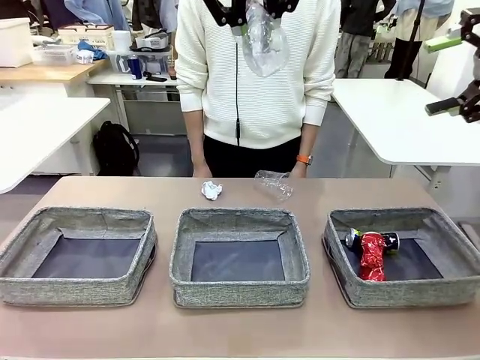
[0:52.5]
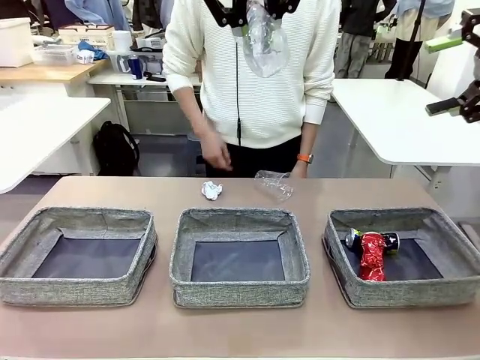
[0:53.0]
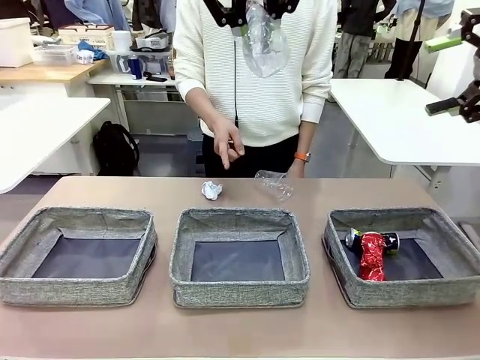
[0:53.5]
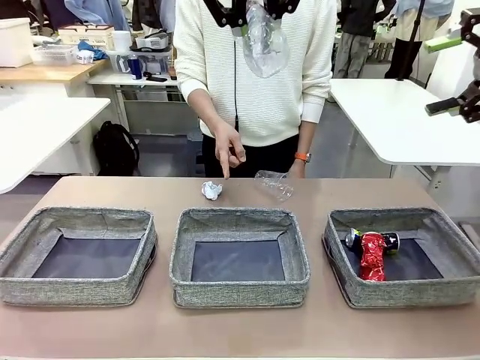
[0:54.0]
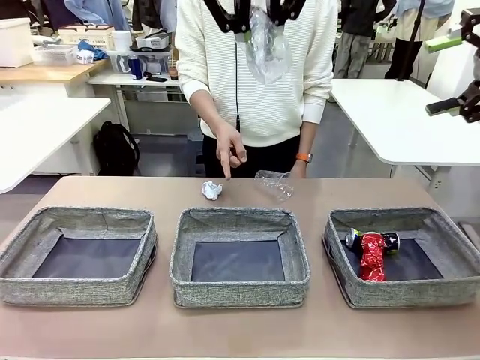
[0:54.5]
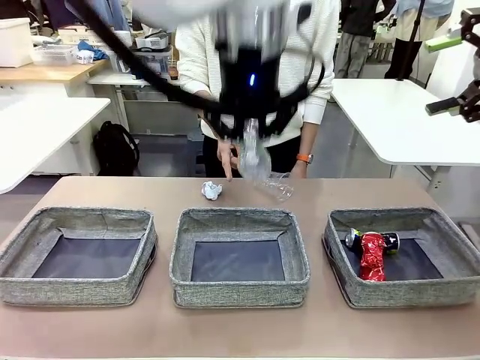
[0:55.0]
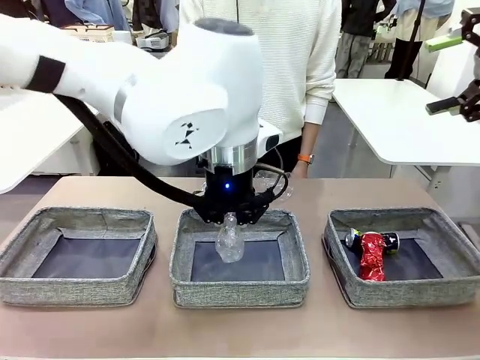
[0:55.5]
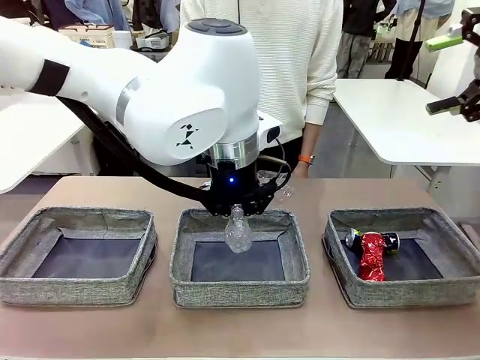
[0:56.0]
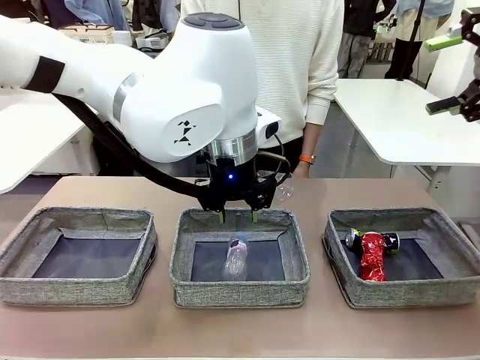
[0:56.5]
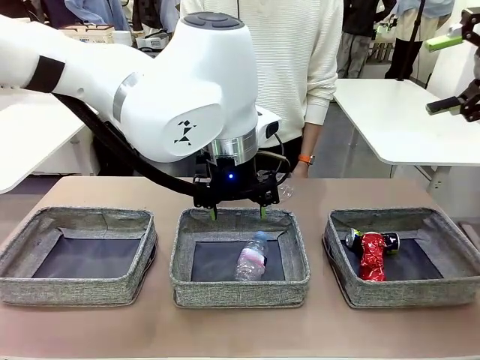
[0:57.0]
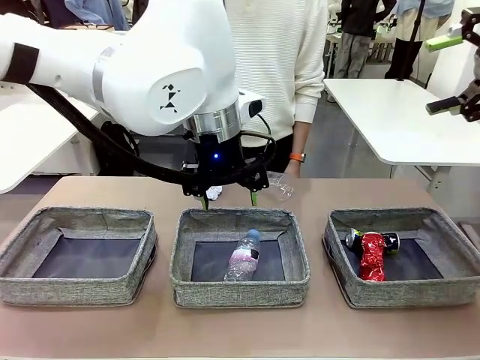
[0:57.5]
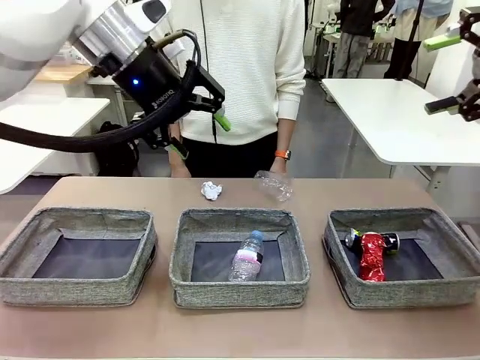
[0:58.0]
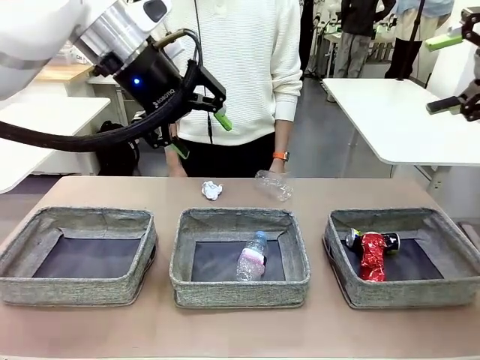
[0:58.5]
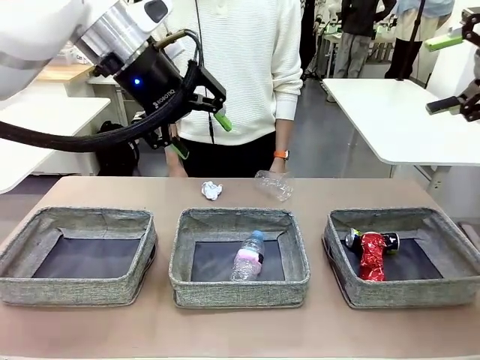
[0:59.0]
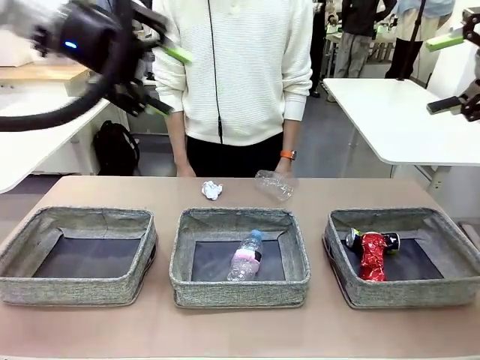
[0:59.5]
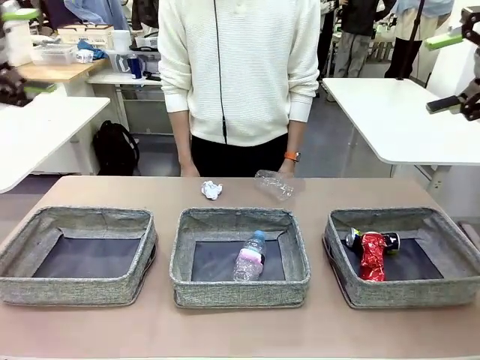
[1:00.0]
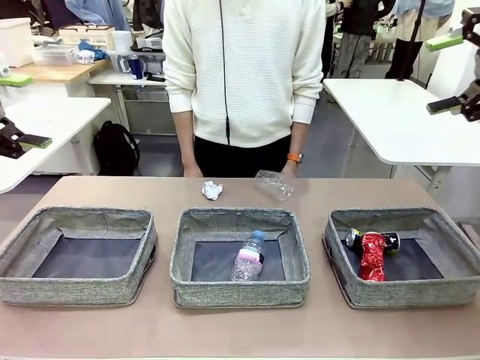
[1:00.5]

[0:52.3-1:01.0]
Task: Sort the waste into the appropriate baskets.
Robot: Place the picked waste into the Fabric basket indicated by the person.
Person: Instructs the robot to place the picked-up trash into the appropriate organizing basket.

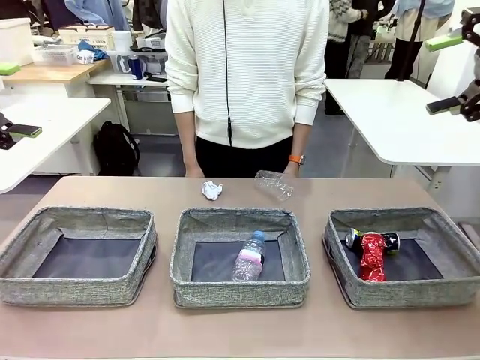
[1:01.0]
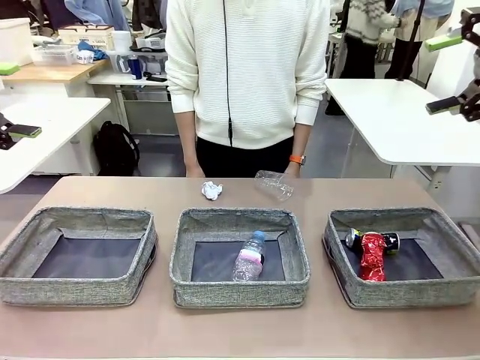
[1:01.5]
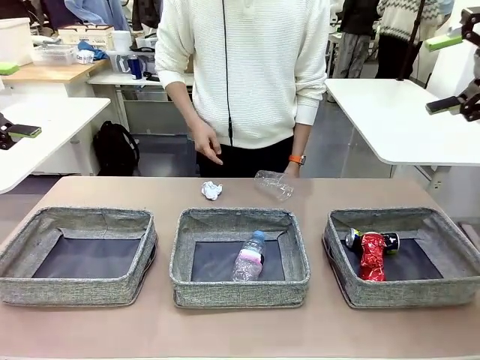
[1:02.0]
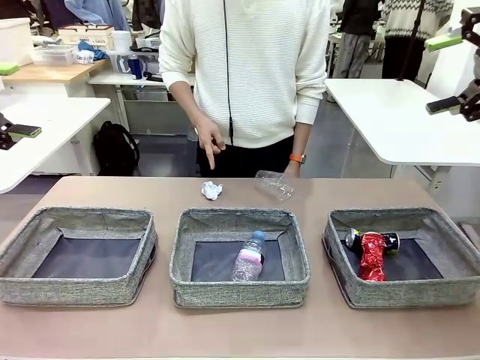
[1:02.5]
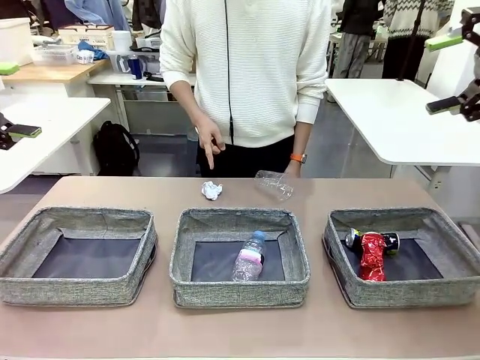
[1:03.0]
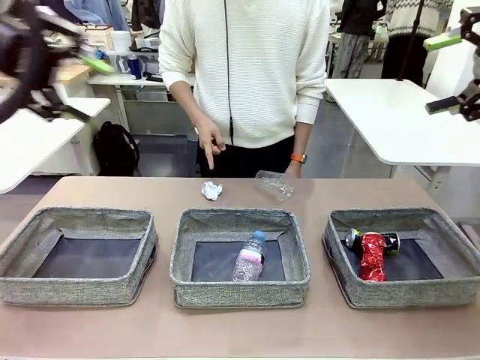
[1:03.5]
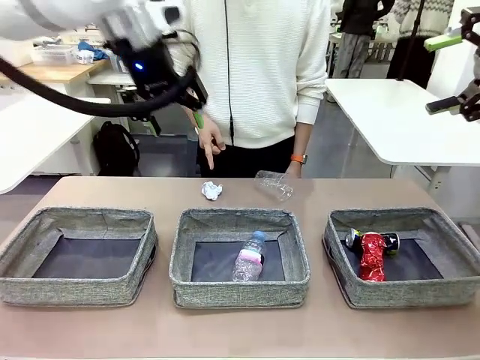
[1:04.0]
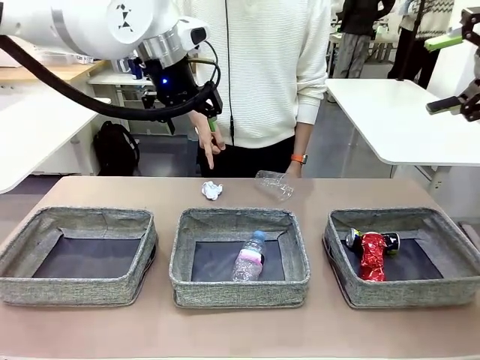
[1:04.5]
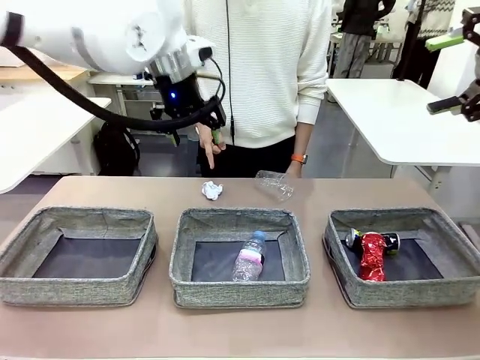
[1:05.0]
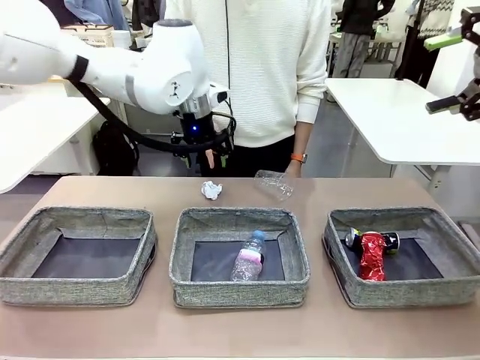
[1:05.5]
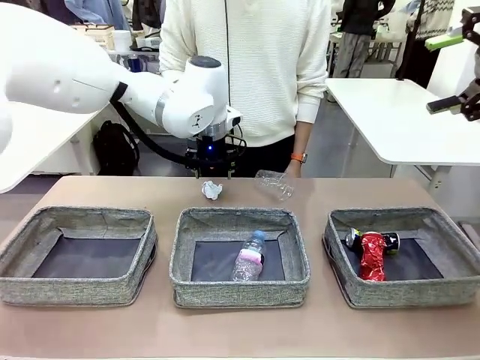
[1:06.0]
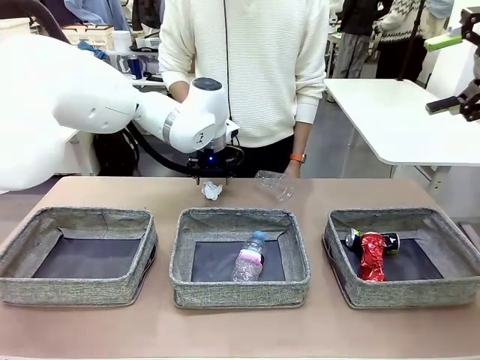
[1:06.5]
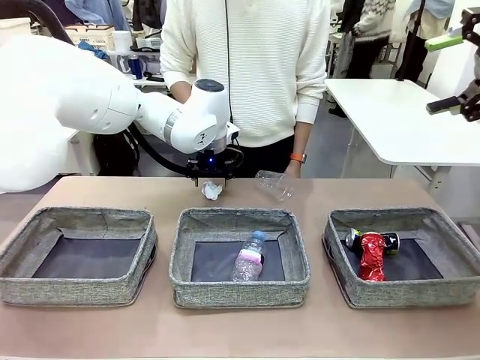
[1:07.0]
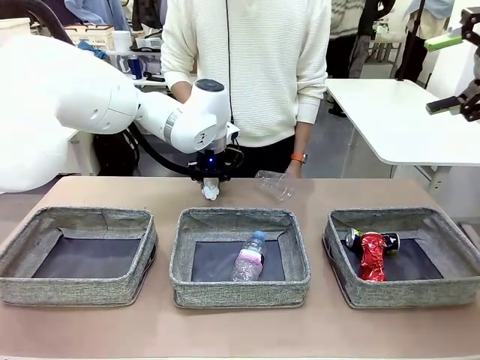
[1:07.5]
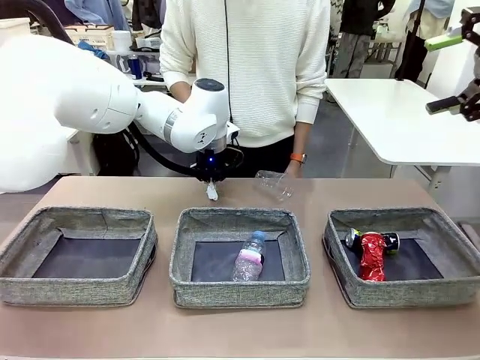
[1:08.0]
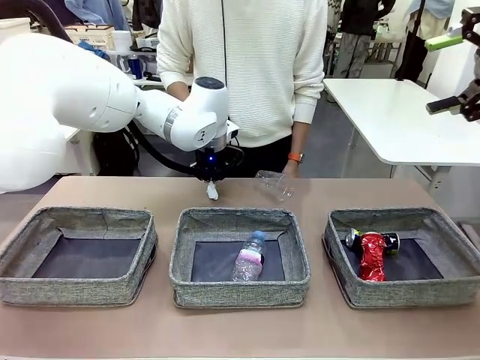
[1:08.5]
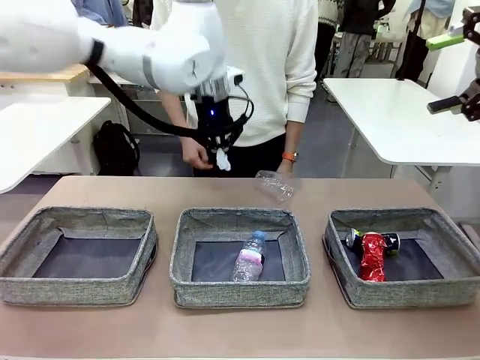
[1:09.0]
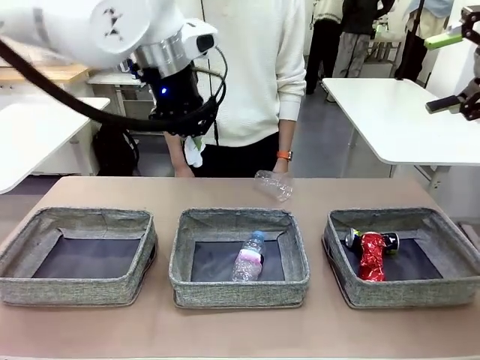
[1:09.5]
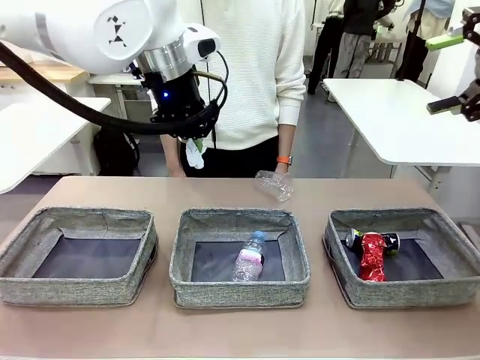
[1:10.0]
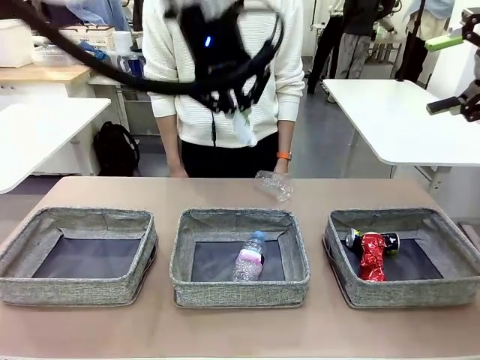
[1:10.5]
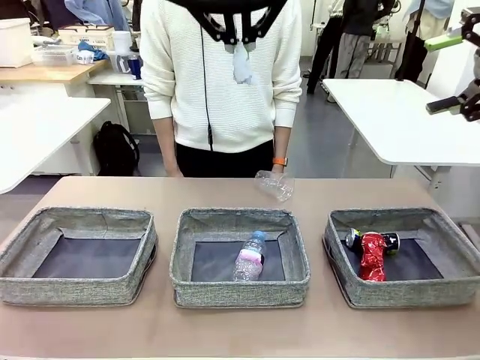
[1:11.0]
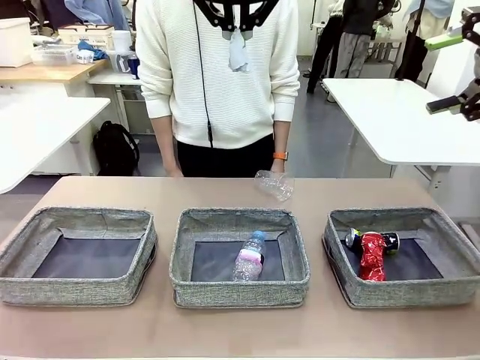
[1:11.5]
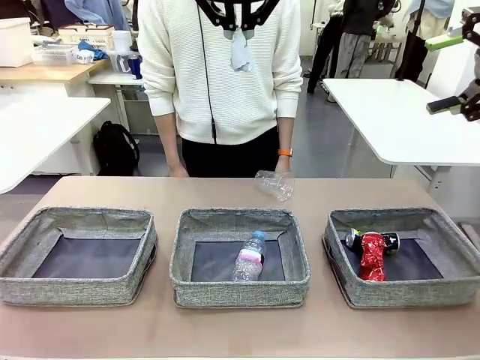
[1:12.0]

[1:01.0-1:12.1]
Robot: Pick up the waste item pointed out by the person.
Person: Points to one piece of trash on the table.

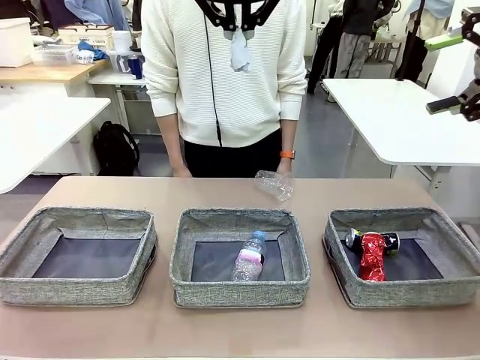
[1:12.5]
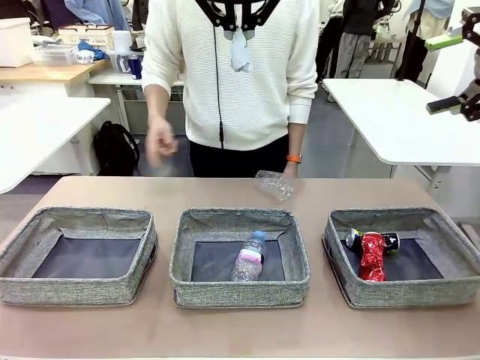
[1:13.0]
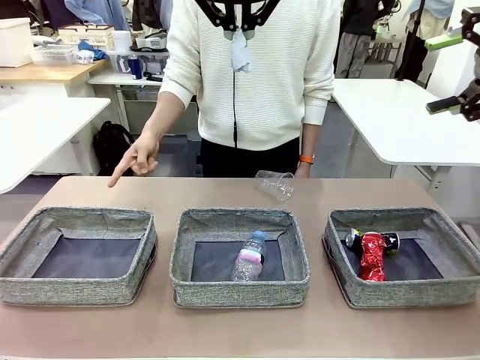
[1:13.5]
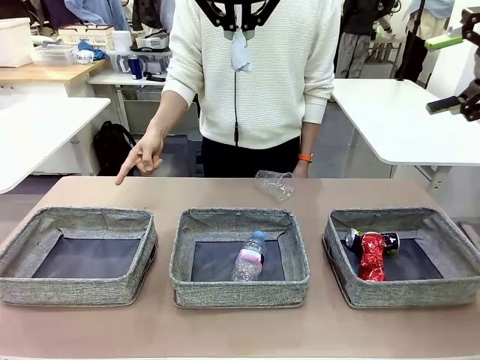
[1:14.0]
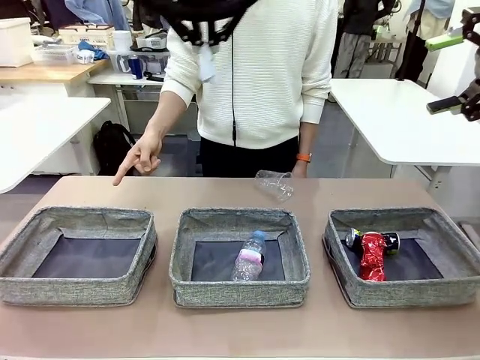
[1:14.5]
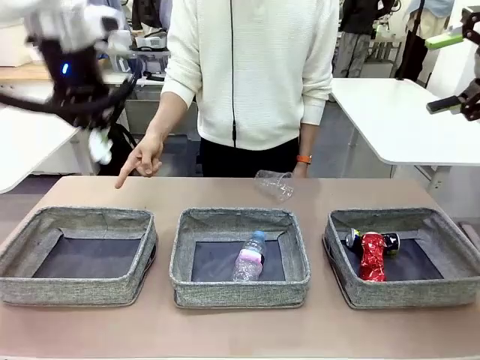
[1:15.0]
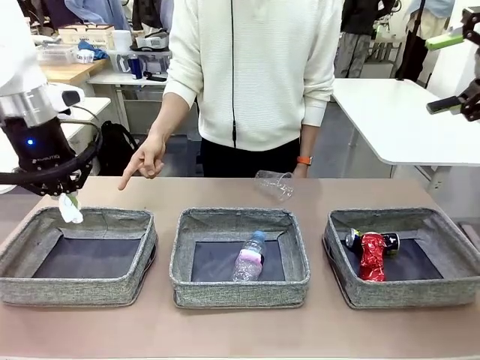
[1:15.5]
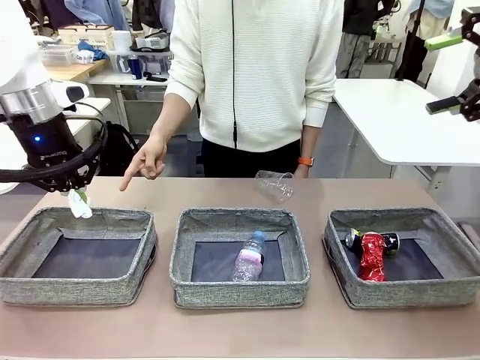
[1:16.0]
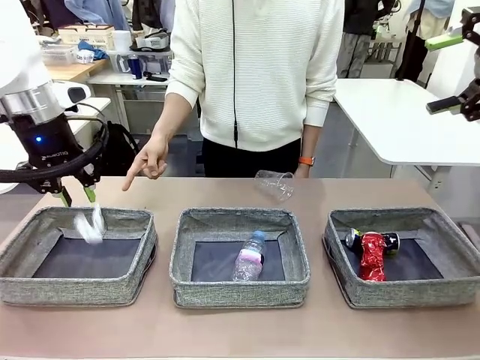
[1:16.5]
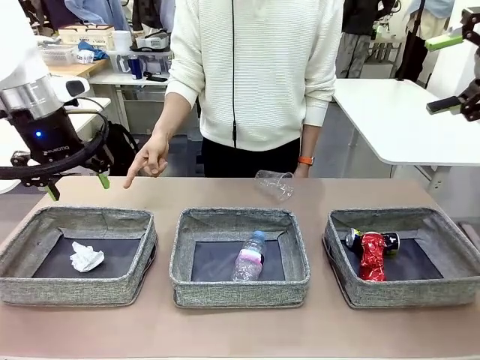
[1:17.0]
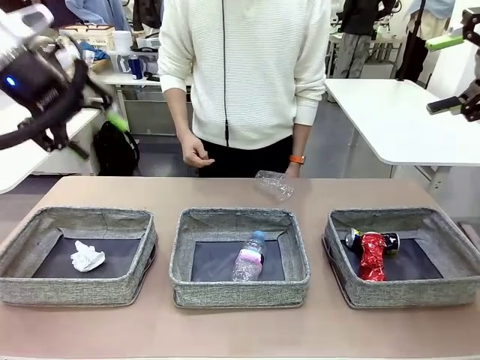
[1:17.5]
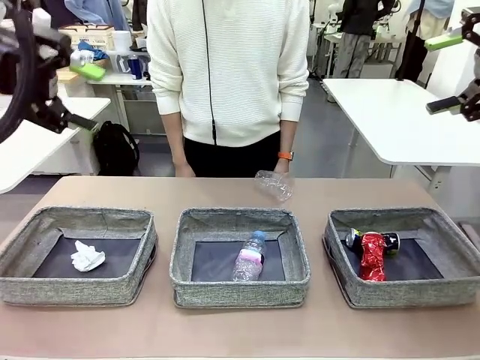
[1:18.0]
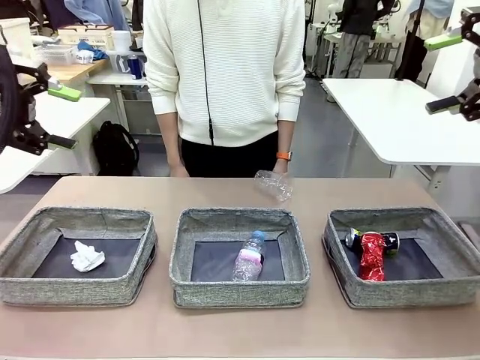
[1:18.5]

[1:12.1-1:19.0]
Robot: Place the picked waste into the Fabric basket indicated by the person.
Person: Instructs the robot to place the picked-up trash into the appropriate organizing basket.
